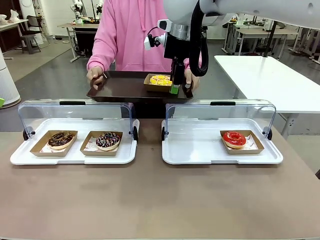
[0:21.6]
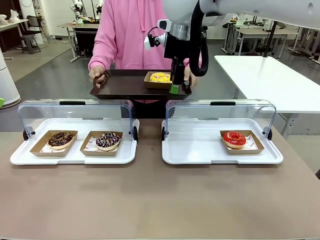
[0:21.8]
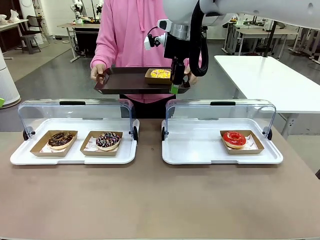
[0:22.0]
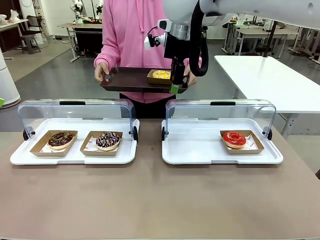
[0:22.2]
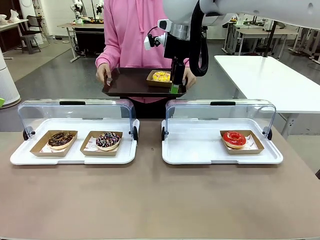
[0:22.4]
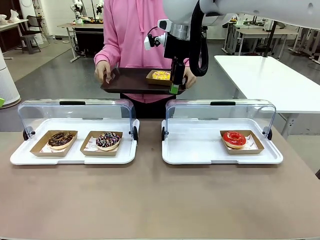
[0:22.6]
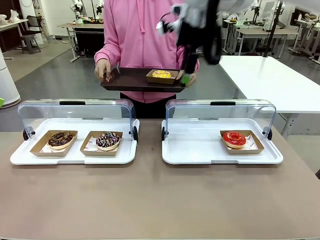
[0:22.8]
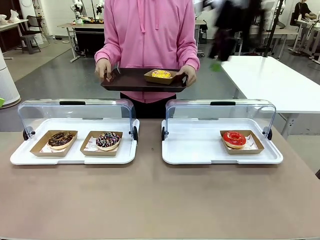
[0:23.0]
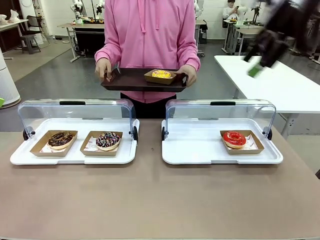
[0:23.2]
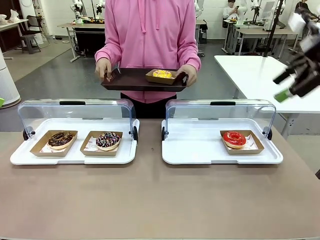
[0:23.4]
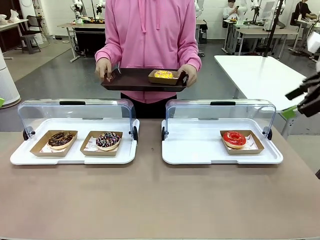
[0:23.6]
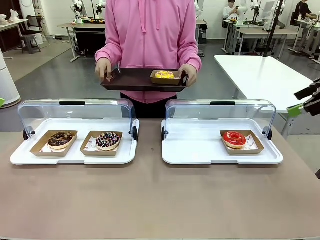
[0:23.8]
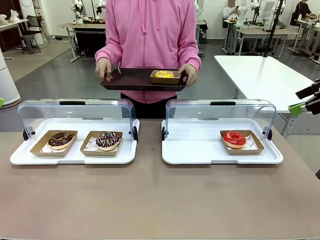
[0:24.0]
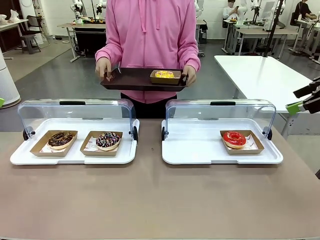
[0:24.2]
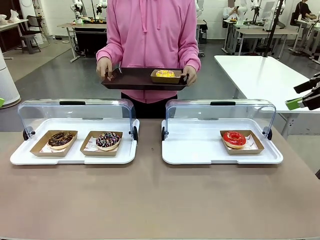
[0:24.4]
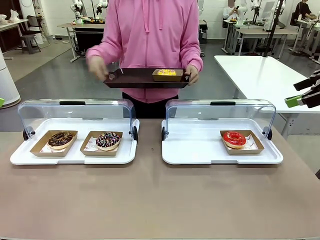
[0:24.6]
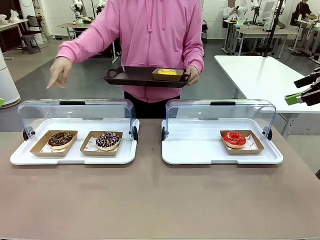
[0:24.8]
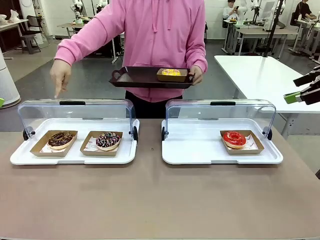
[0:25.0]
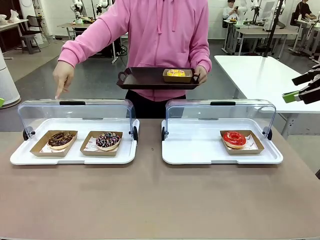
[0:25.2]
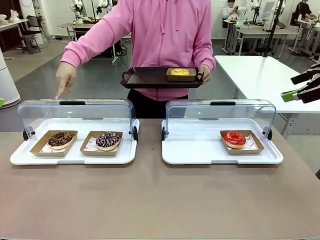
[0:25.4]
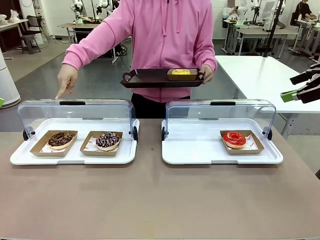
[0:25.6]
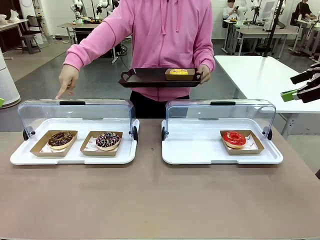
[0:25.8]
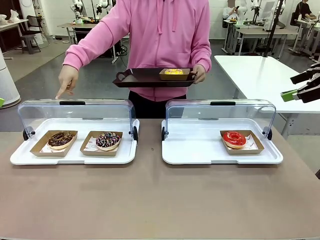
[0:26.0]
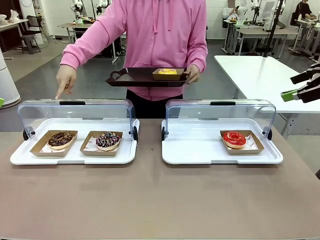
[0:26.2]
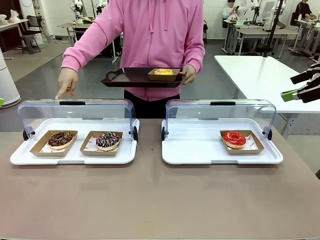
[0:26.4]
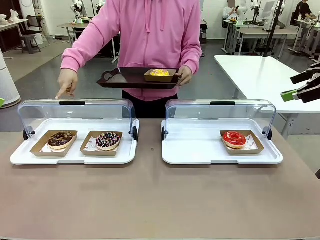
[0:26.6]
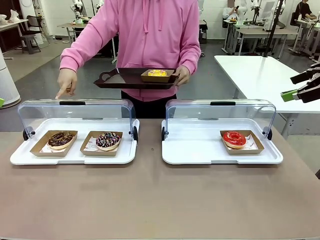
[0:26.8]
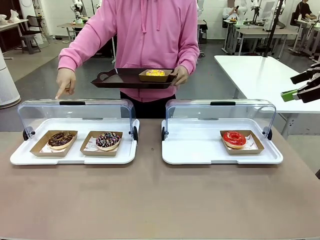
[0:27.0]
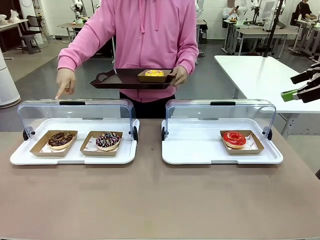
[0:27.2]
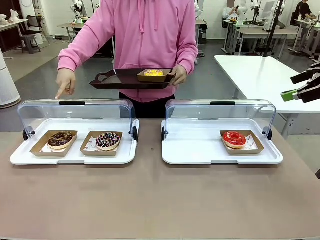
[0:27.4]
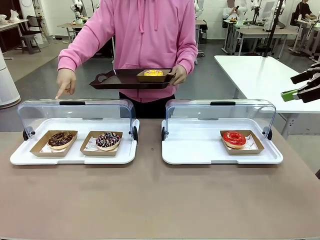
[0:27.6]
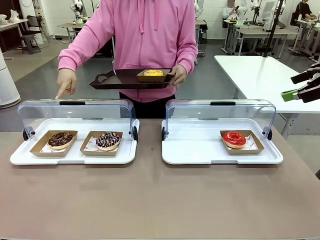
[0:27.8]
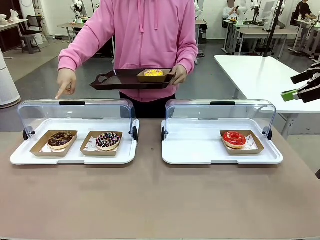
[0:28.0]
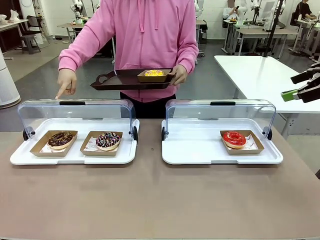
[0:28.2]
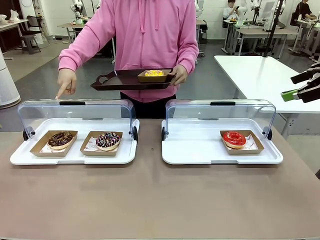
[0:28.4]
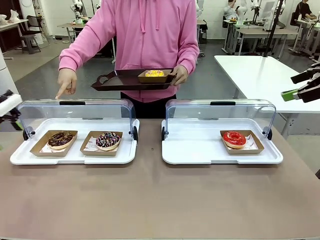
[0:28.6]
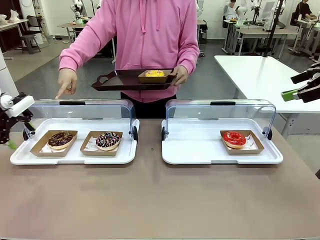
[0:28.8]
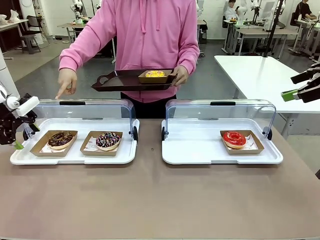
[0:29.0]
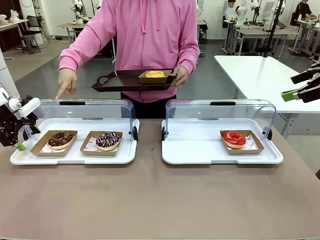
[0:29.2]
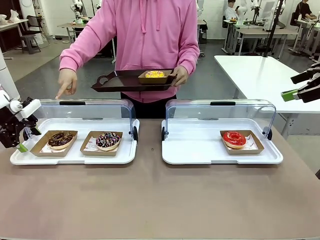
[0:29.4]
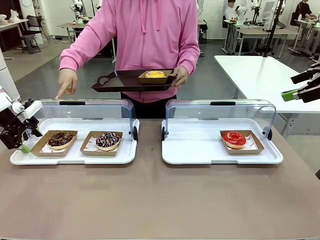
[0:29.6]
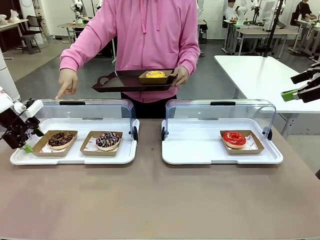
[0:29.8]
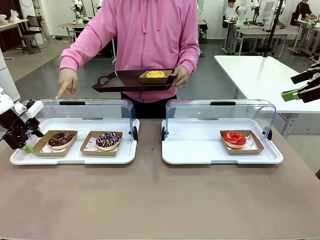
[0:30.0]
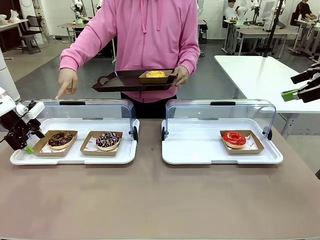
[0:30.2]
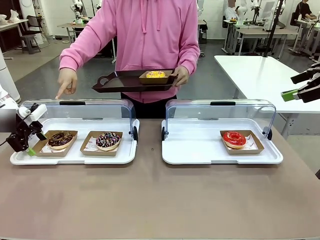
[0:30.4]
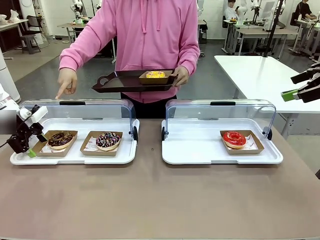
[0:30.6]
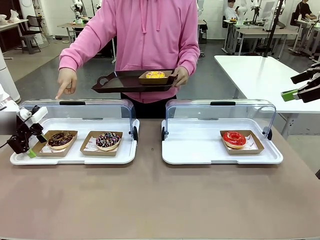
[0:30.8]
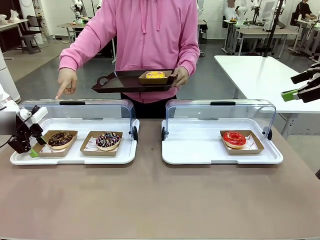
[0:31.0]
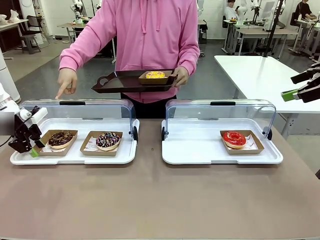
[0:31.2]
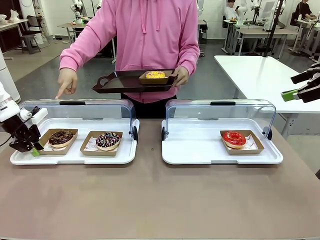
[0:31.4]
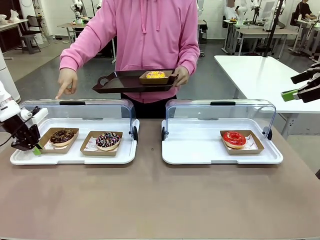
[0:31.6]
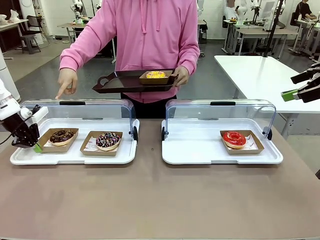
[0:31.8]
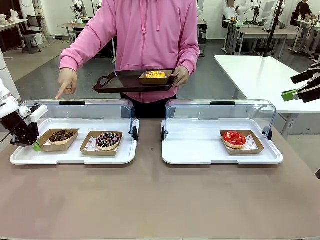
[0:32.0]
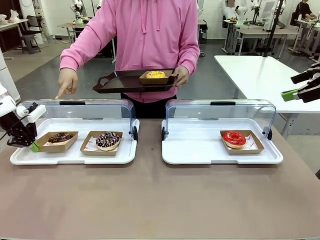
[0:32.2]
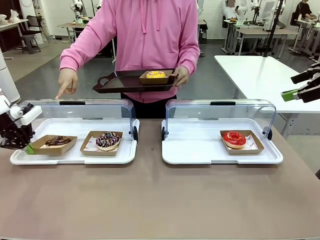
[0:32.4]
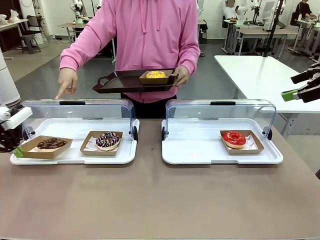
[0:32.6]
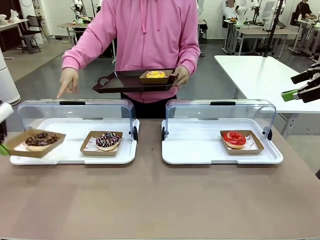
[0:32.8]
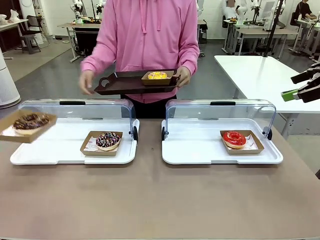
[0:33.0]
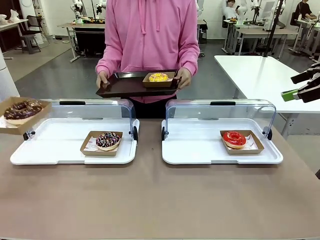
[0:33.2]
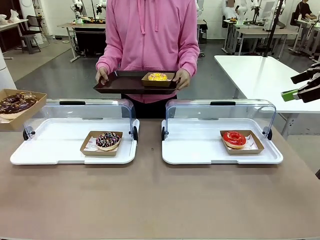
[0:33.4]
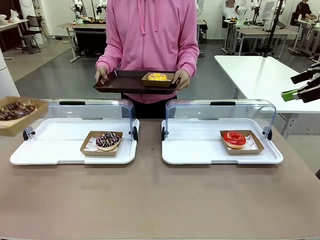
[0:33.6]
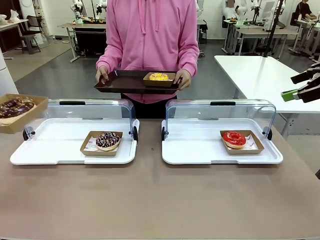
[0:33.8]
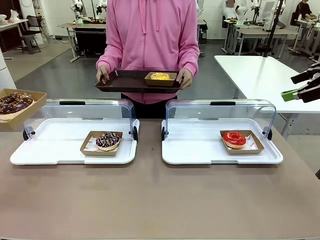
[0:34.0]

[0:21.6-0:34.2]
Task: Provide the desired donut to the person.
Robot: Pick up and lift the Paper togo box containing the Donut pointed at by the person.
Person: Lift the tray onto the Roll-Top Bakery Case.

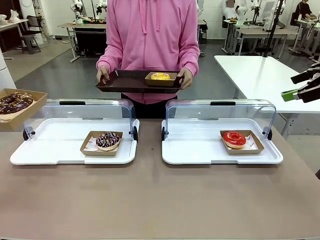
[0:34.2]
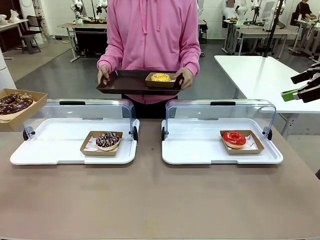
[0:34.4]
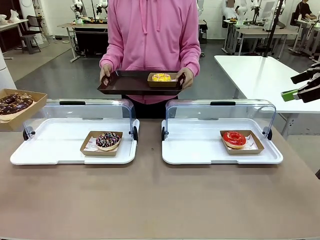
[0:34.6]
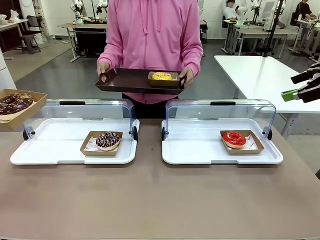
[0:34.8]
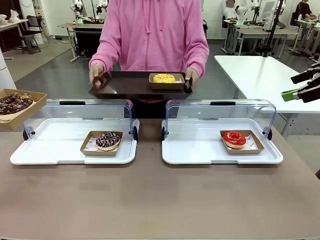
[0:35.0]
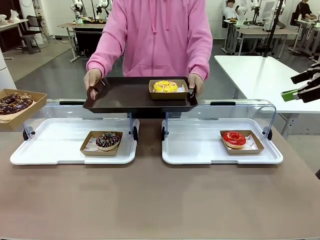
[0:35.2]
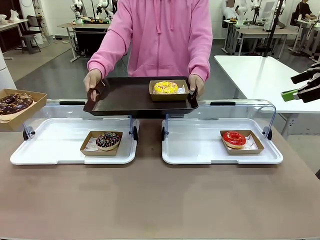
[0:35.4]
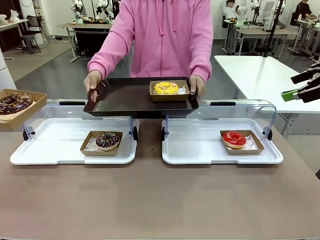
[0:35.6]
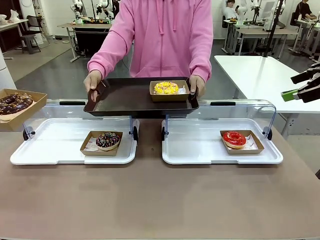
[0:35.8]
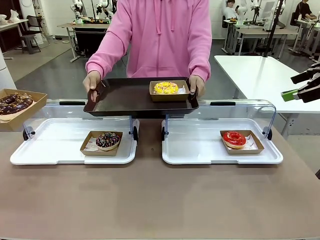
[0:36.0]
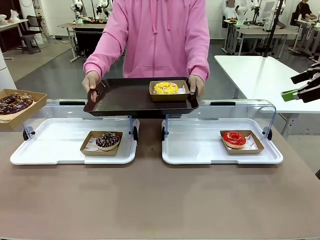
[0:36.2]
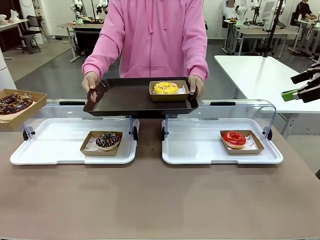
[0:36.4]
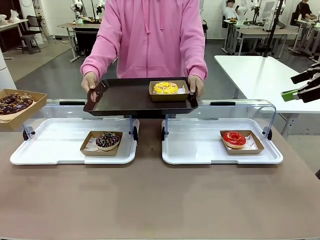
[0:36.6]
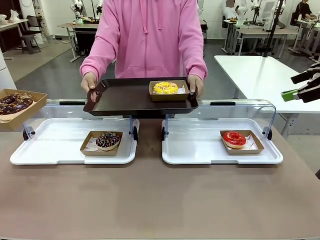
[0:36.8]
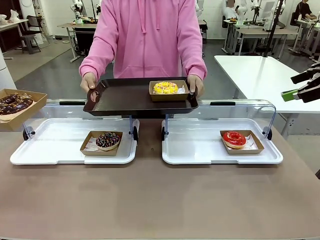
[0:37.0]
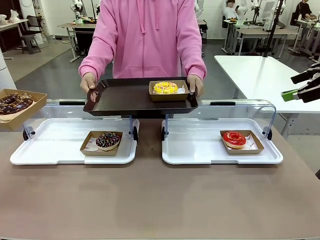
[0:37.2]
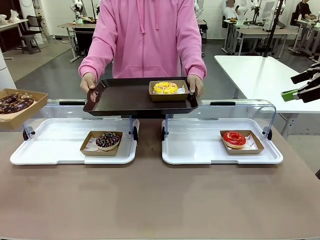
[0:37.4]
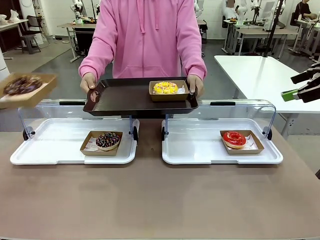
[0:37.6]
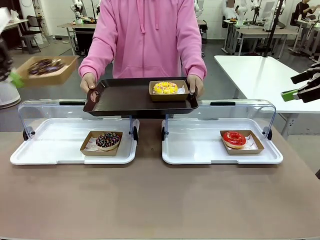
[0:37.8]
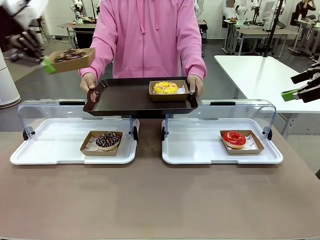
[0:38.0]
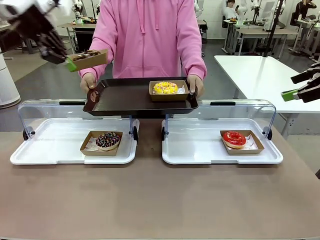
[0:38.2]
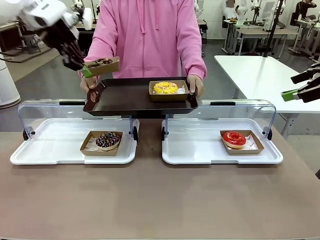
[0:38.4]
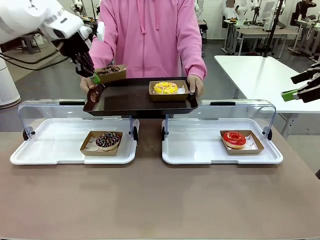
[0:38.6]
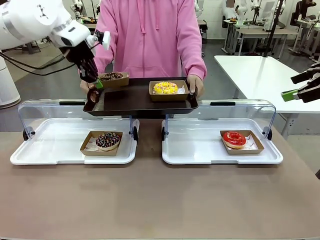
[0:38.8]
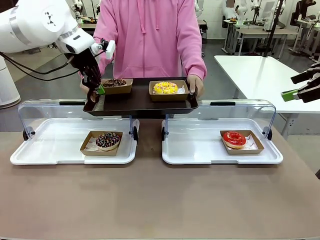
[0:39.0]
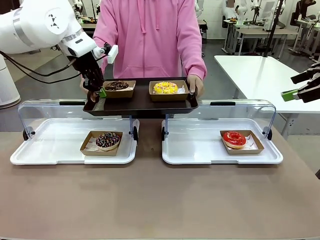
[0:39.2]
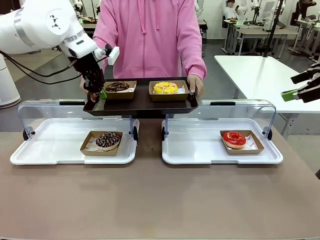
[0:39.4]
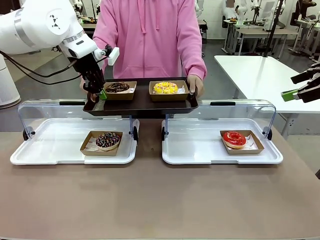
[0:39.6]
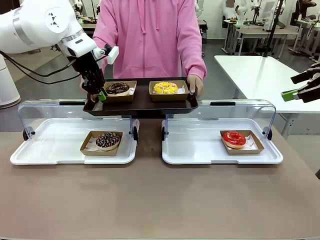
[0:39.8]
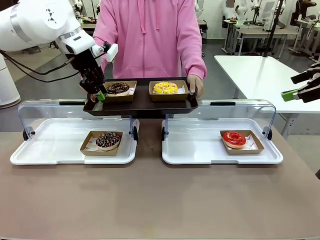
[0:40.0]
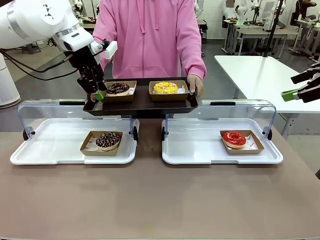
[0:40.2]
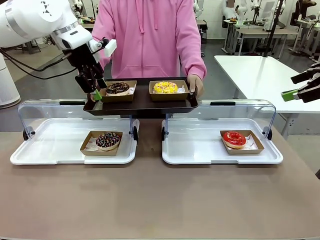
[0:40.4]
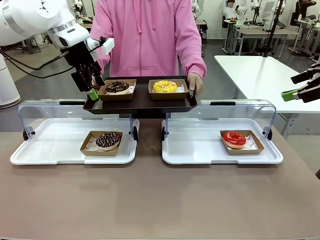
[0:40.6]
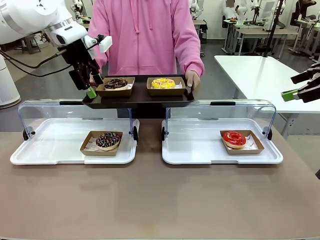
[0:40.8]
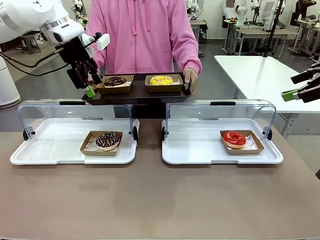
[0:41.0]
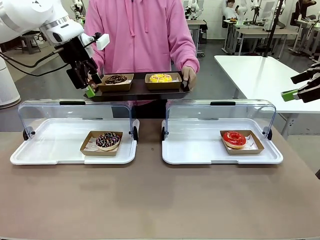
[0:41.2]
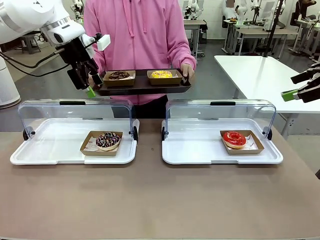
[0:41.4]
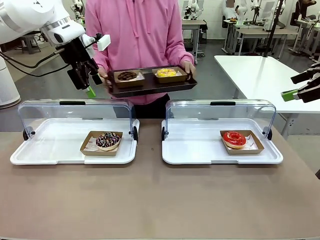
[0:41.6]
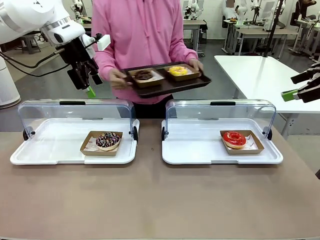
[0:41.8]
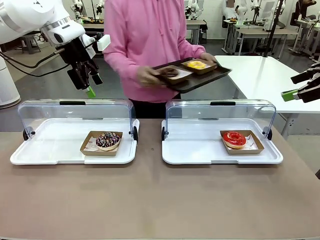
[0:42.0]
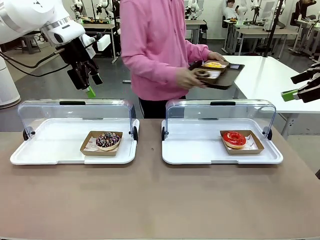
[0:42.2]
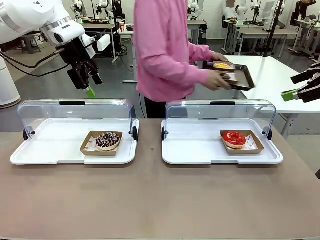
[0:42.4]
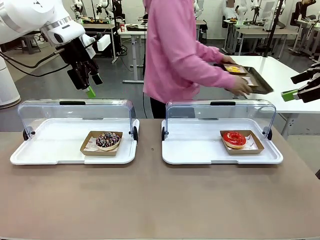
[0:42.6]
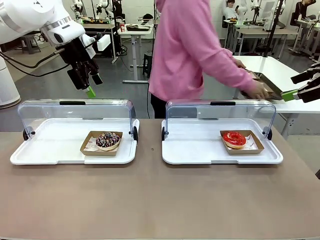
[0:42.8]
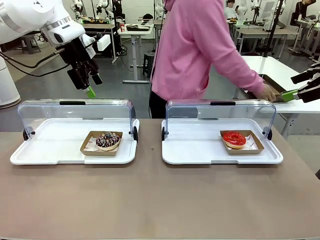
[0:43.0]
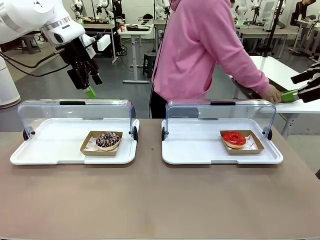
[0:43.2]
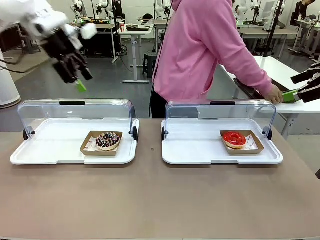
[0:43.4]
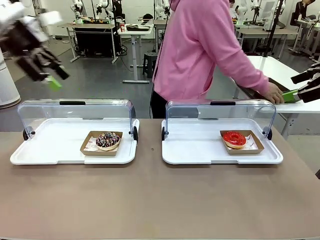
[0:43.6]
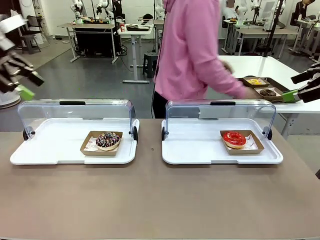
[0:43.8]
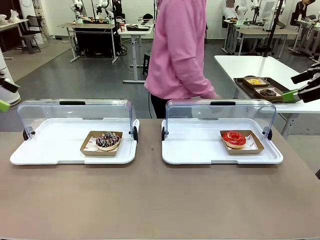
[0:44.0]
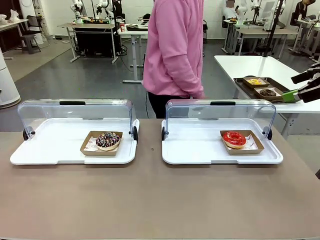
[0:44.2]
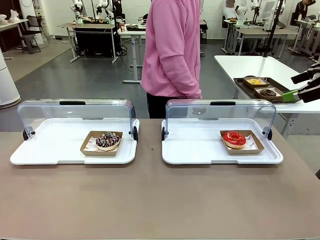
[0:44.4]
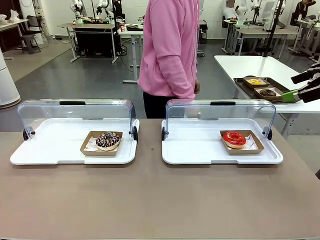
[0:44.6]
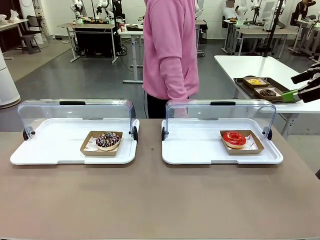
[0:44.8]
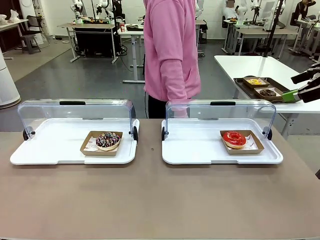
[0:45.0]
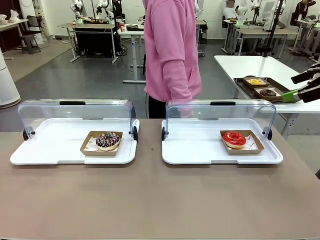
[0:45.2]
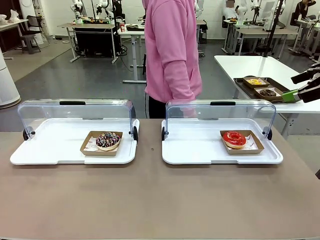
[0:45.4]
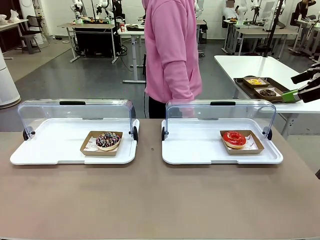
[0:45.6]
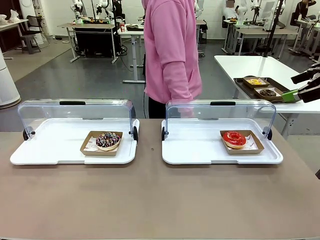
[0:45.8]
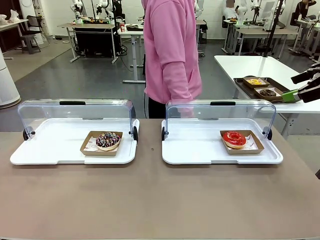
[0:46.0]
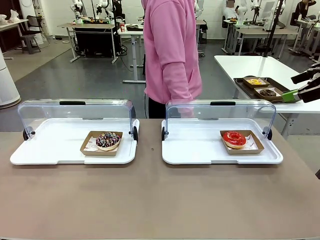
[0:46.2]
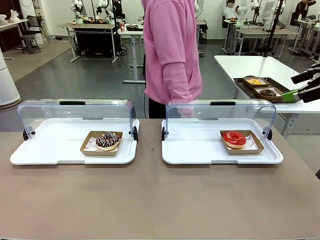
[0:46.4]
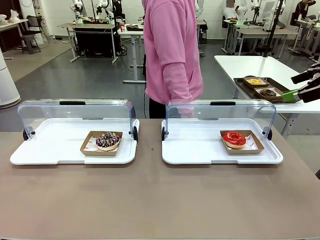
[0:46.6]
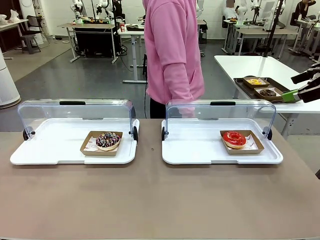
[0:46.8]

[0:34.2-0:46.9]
Robot: Place the picked Paper togo box onto the Handle tray extended by the person.
Person: Place the tray in the middle of the human table.
